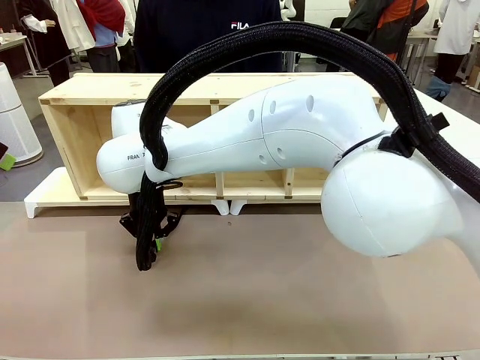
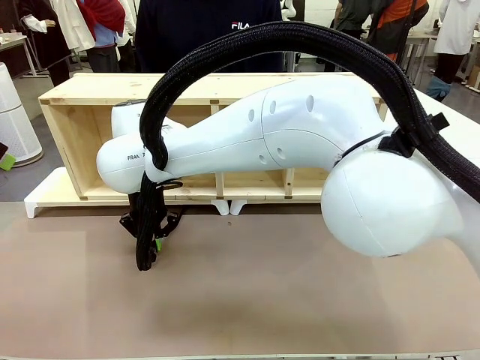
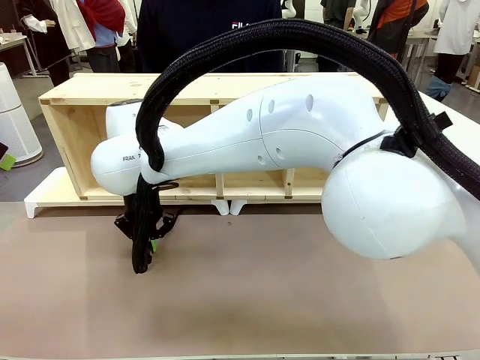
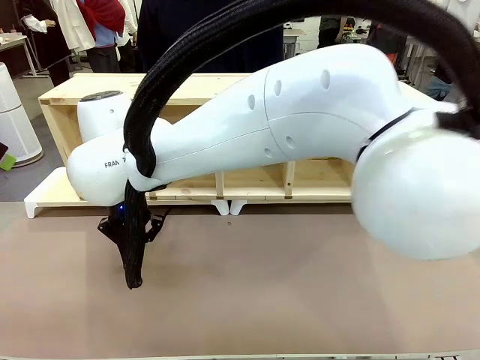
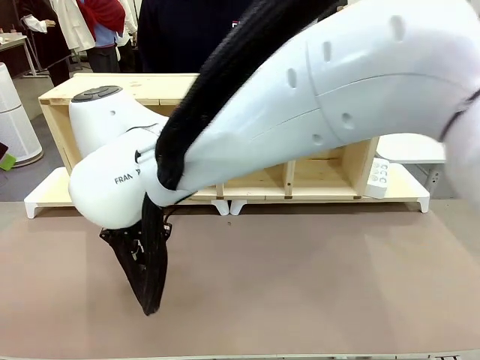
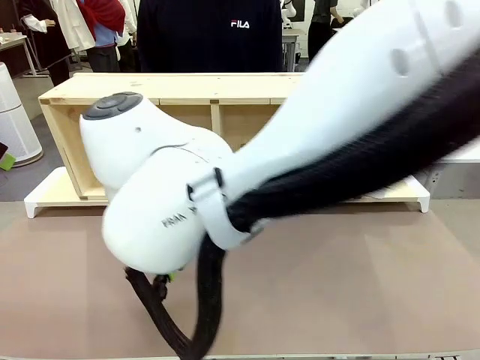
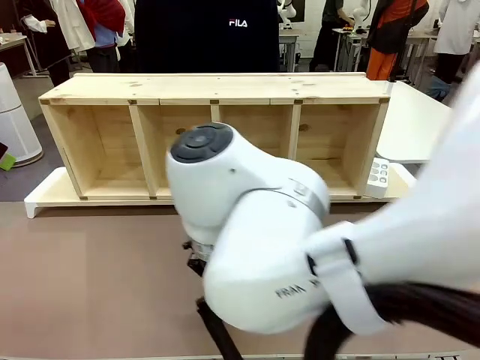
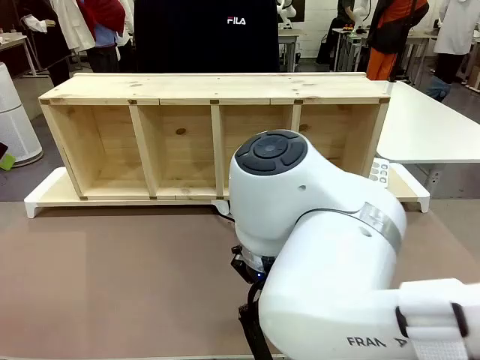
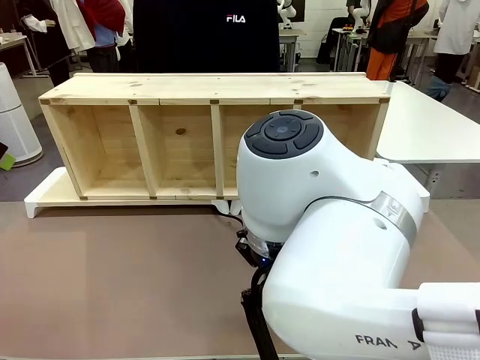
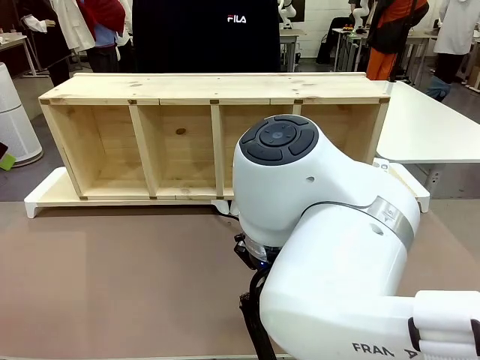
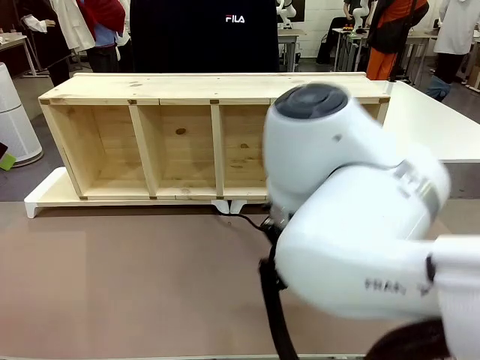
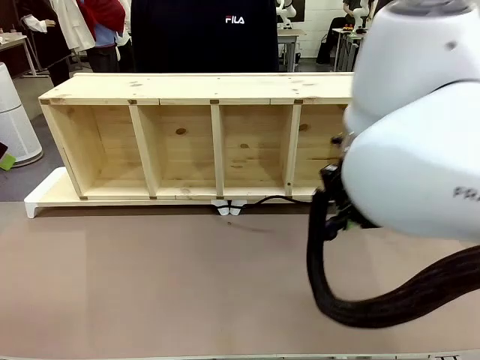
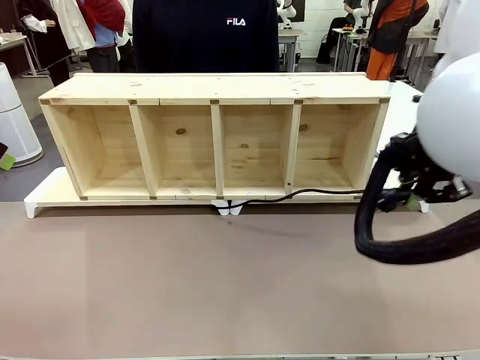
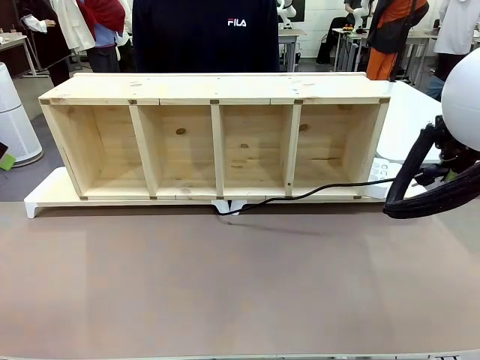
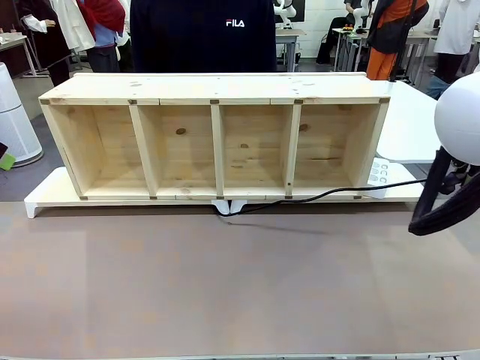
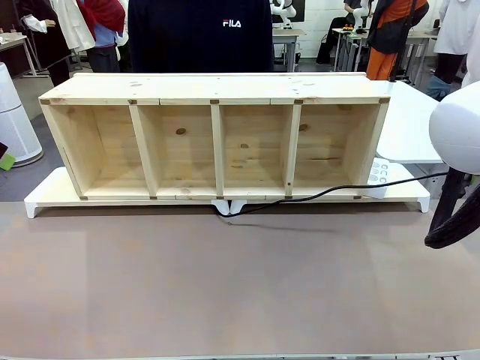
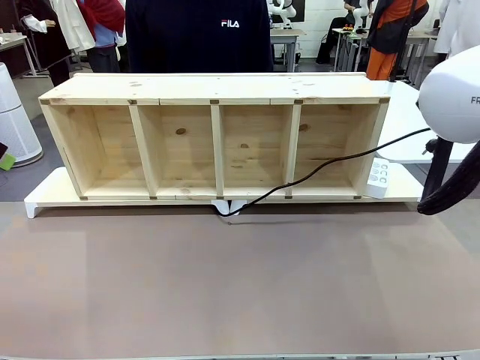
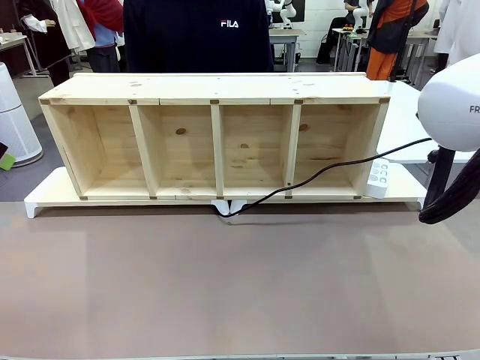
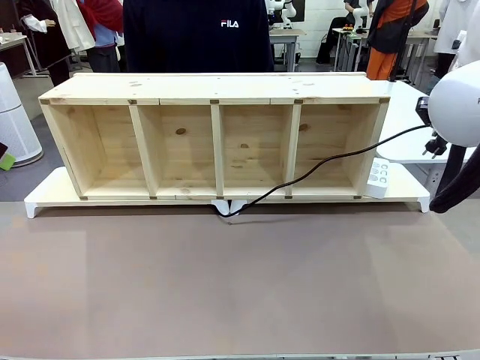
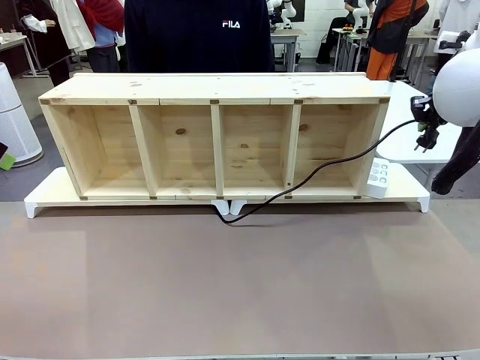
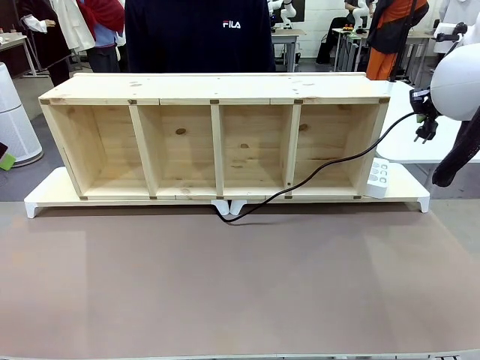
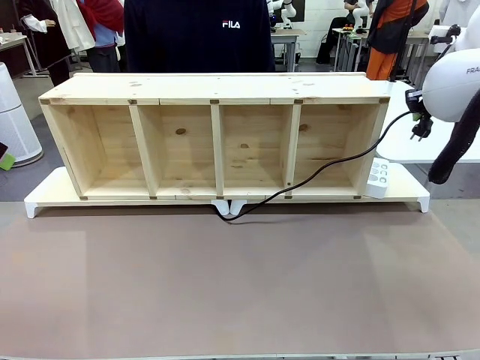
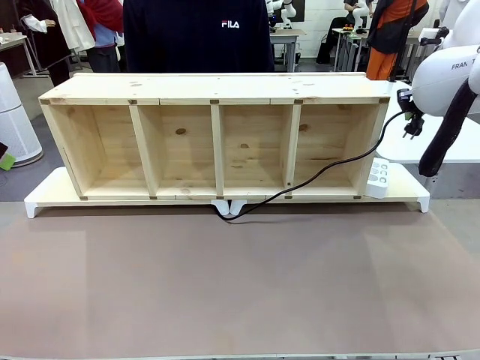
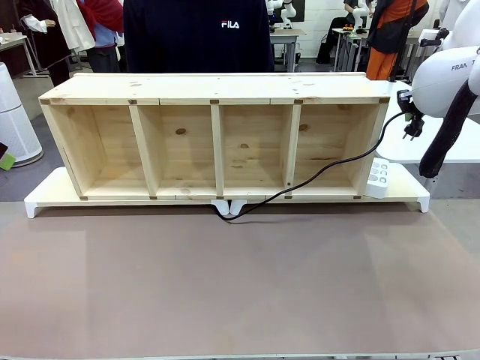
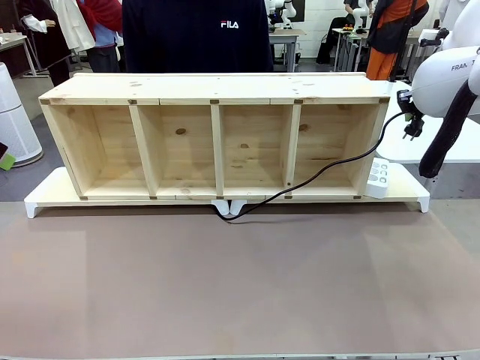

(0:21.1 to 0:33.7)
Task: Perform cable management.
Robot: Pull the grasped Power Cable to the location of the Power Strip.

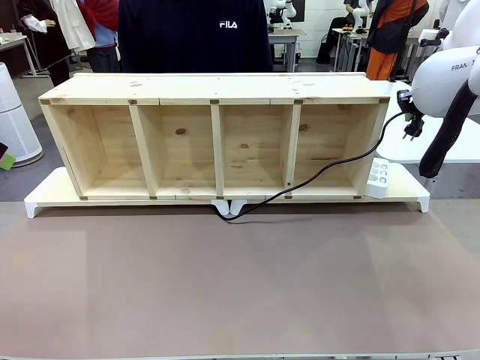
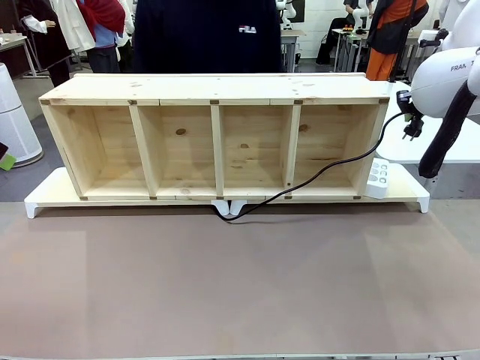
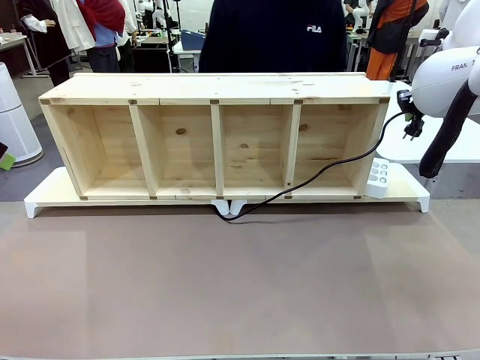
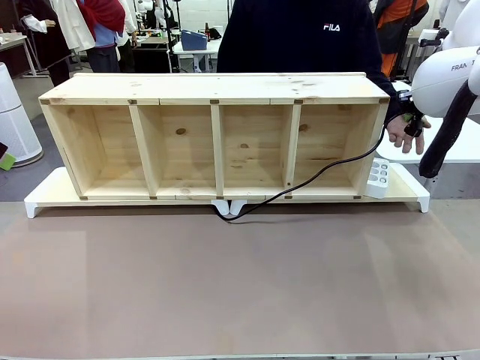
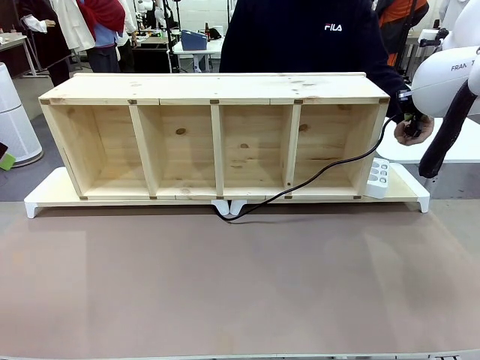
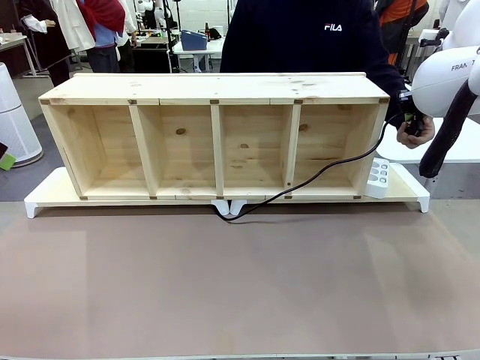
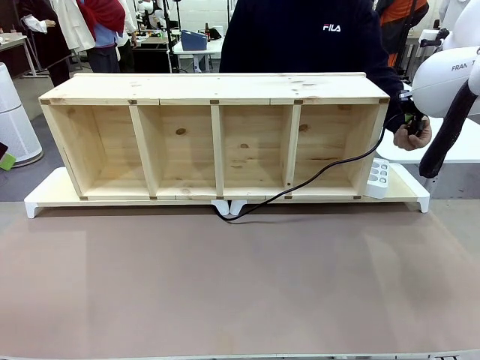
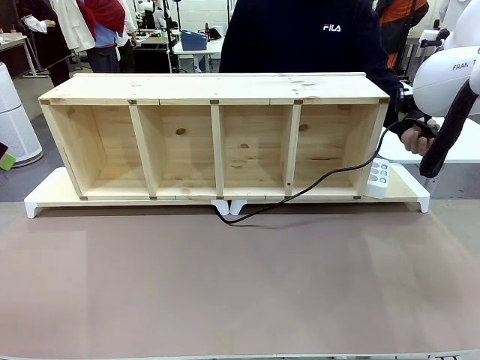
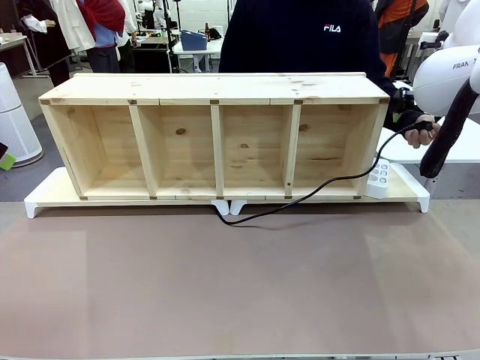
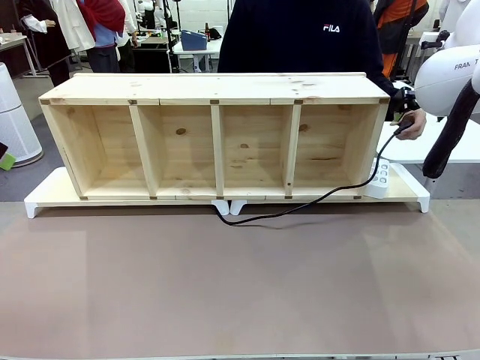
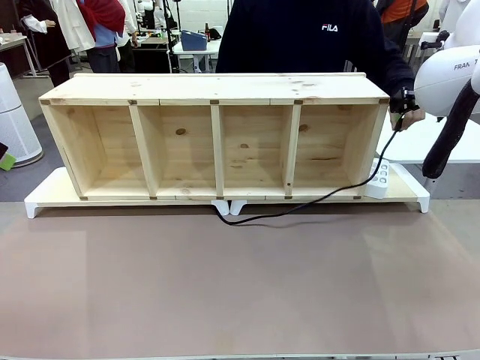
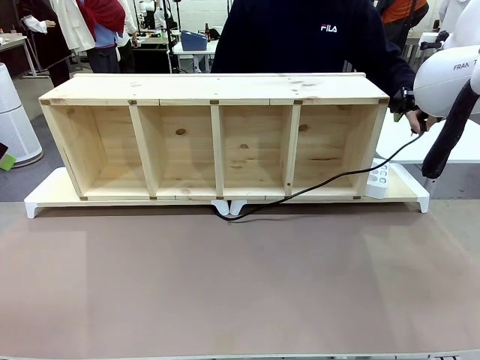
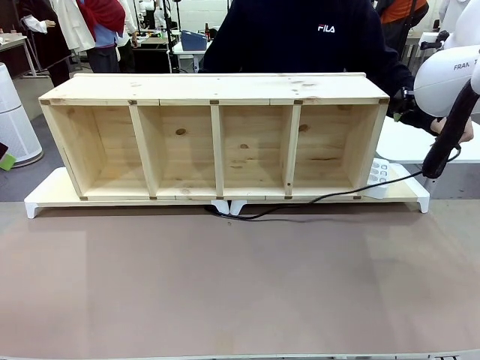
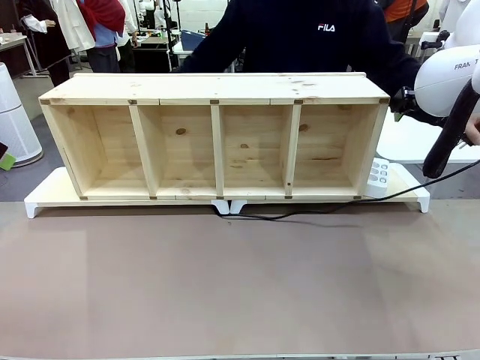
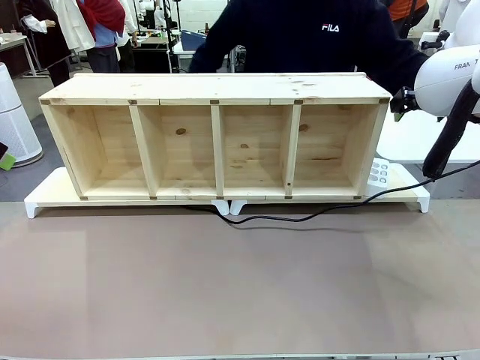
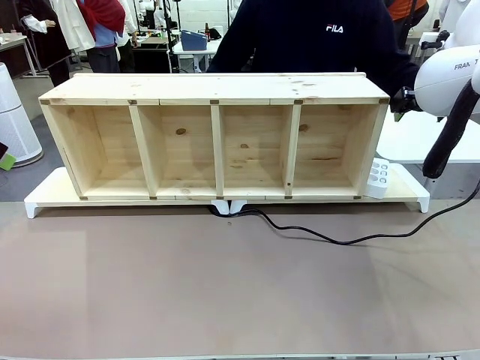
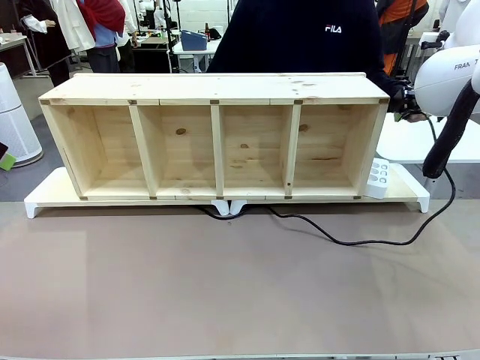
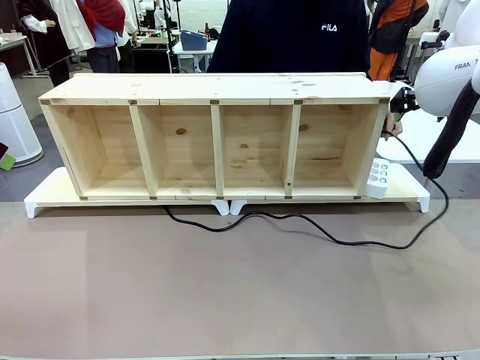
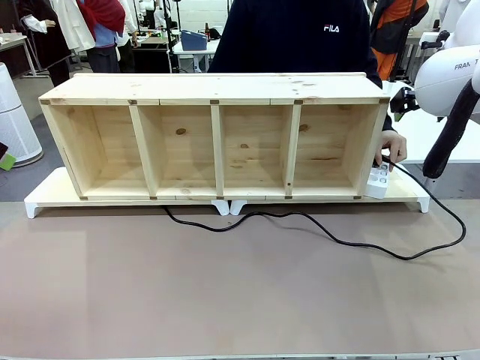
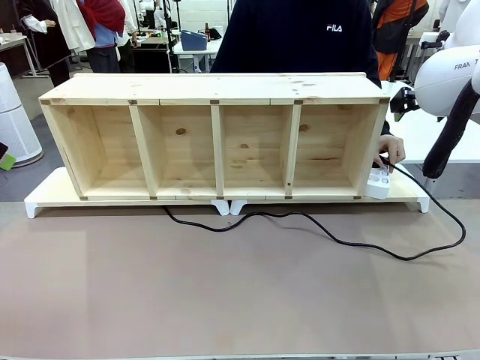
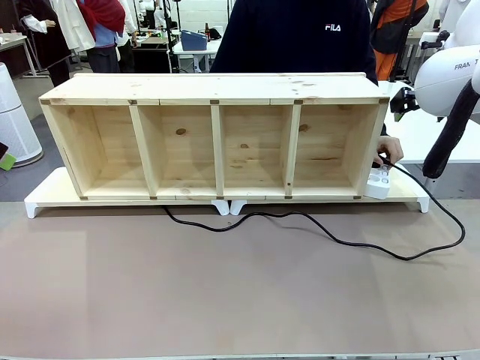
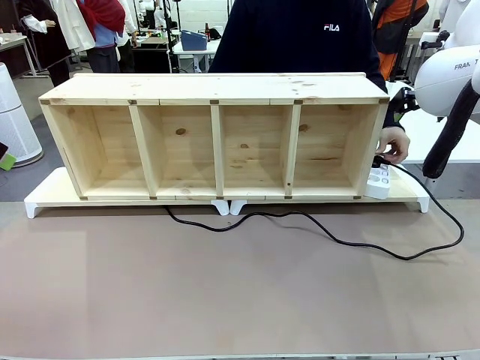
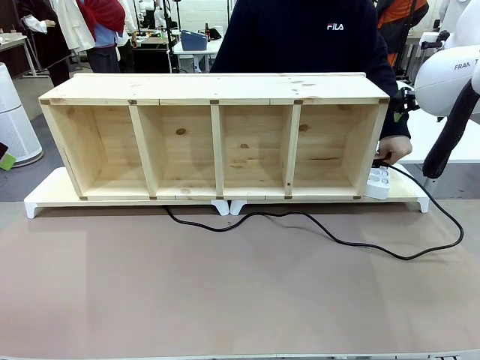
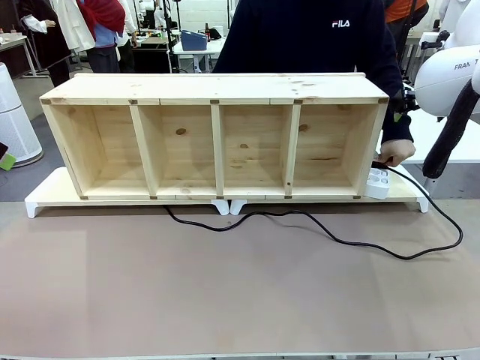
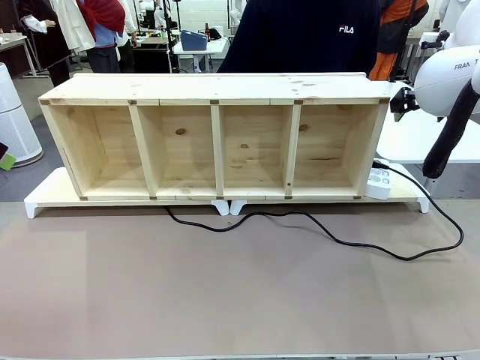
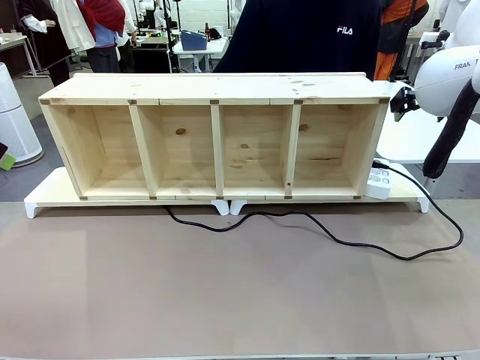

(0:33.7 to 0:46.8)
Robot: Release the Power Cable when the human grasps it.
Person: Plug the Power Cable into the Power Strip.
